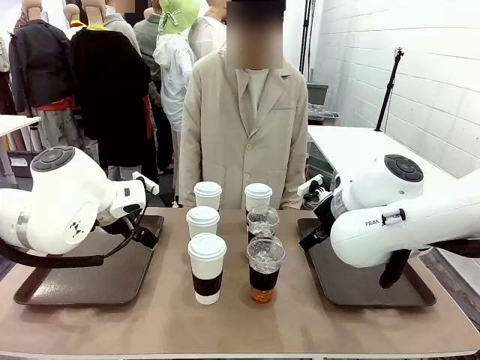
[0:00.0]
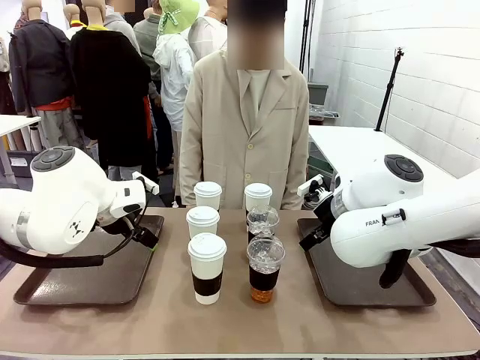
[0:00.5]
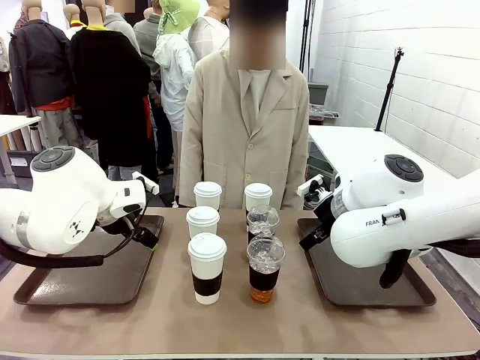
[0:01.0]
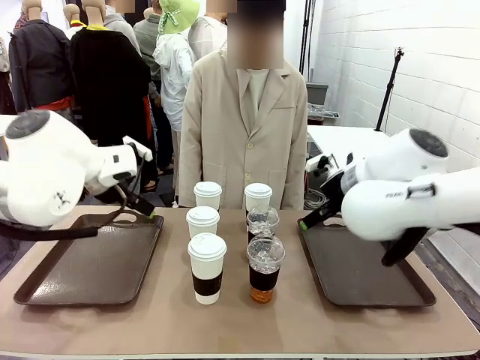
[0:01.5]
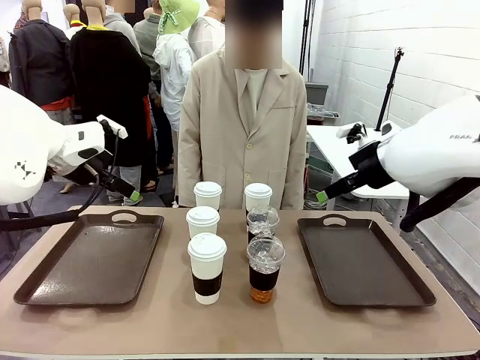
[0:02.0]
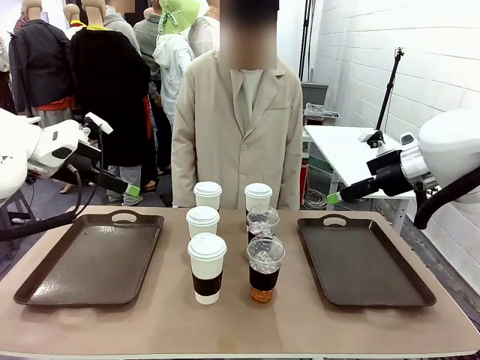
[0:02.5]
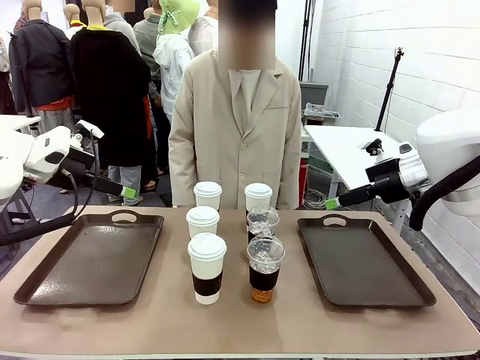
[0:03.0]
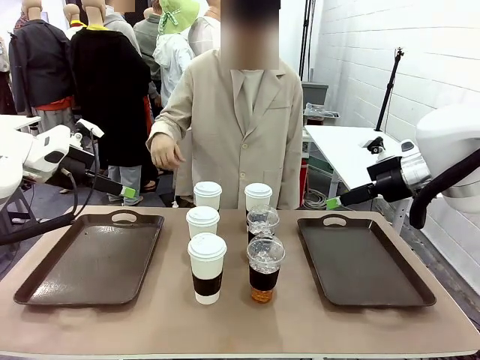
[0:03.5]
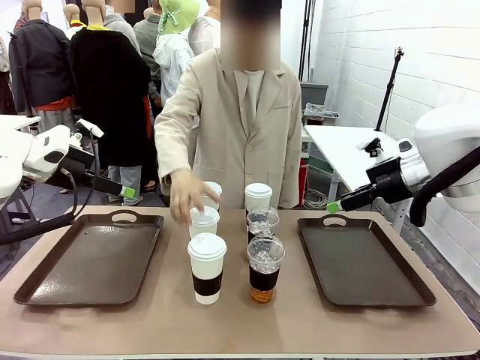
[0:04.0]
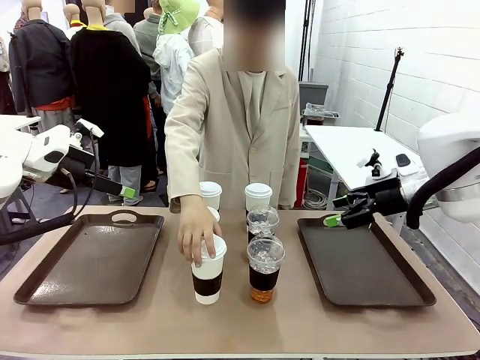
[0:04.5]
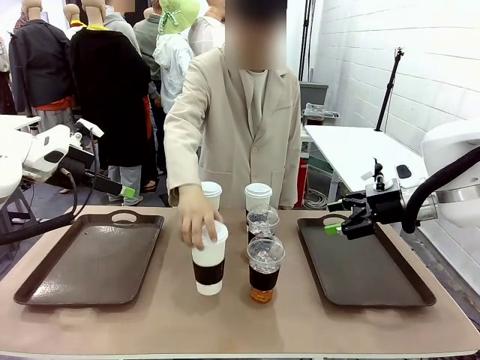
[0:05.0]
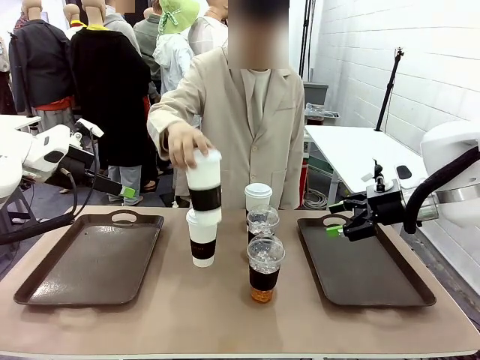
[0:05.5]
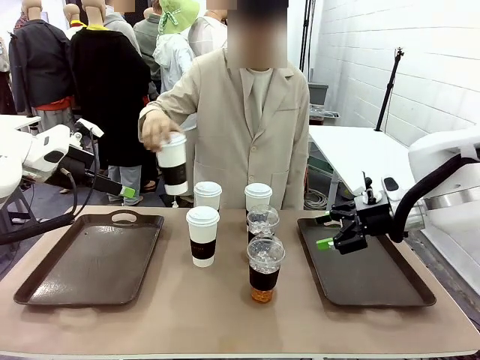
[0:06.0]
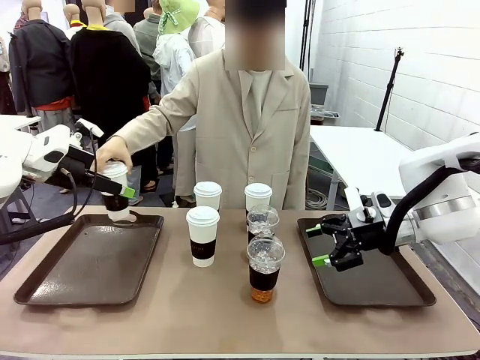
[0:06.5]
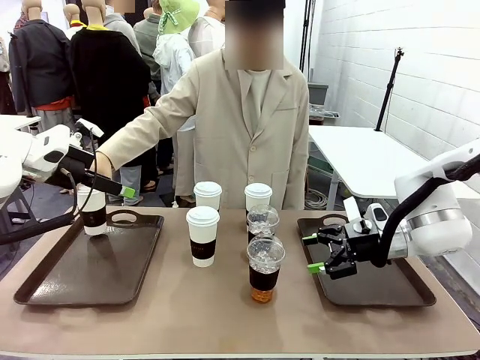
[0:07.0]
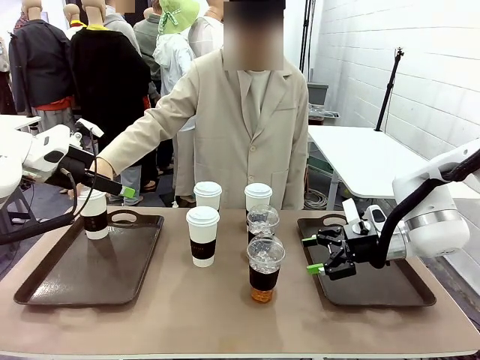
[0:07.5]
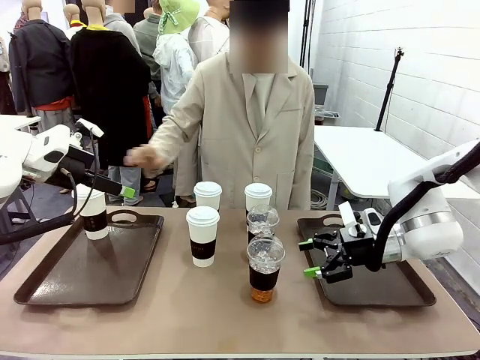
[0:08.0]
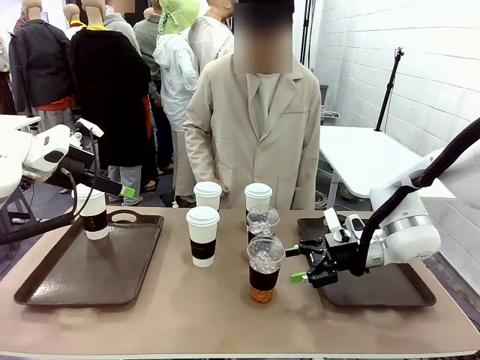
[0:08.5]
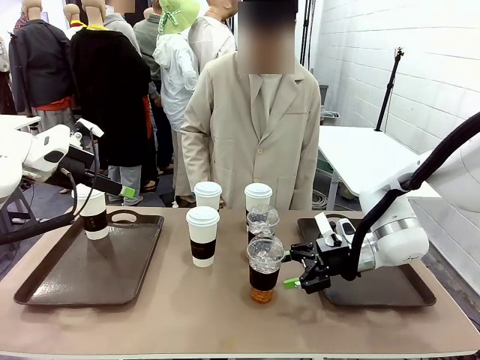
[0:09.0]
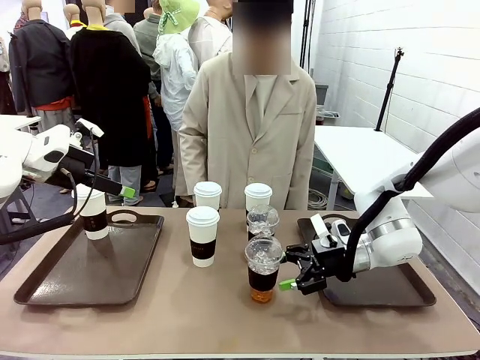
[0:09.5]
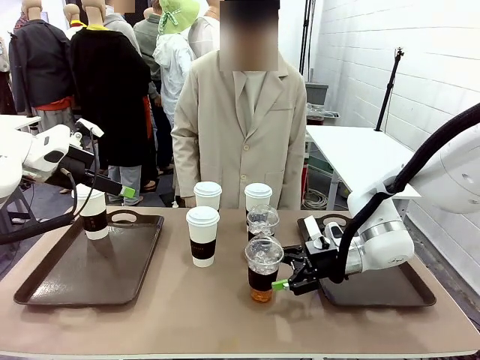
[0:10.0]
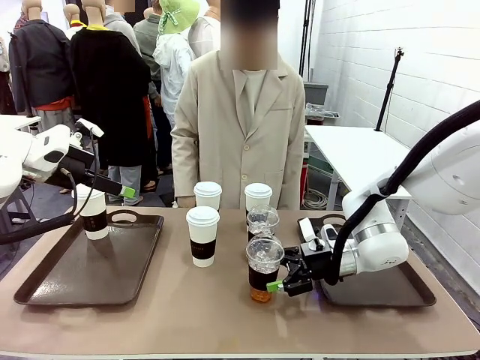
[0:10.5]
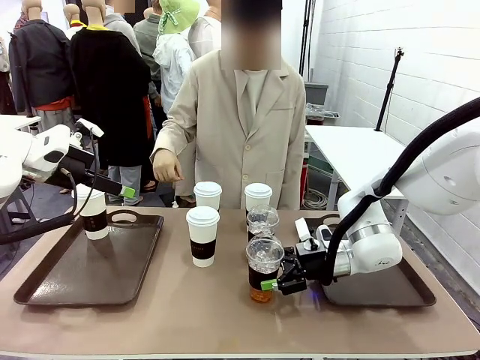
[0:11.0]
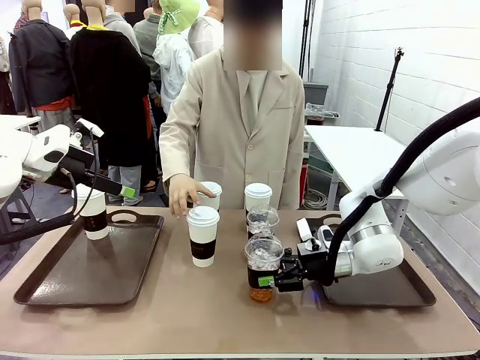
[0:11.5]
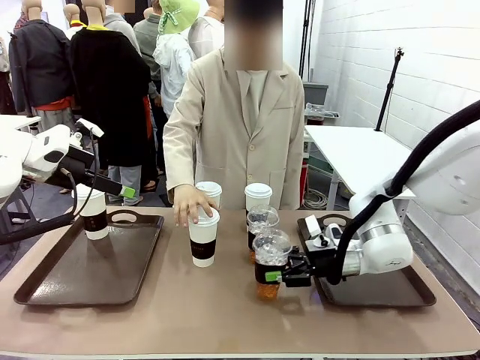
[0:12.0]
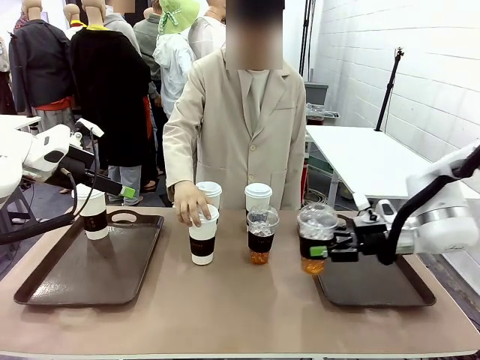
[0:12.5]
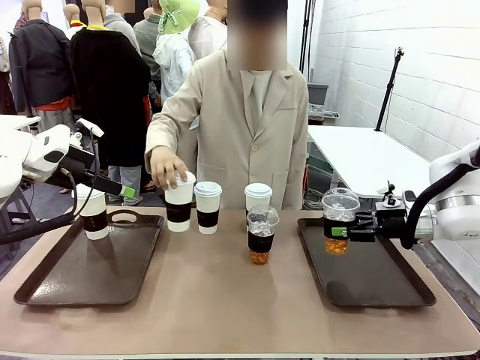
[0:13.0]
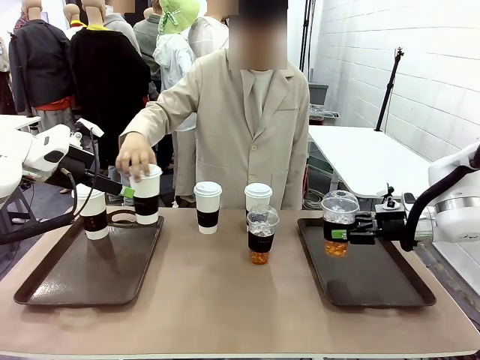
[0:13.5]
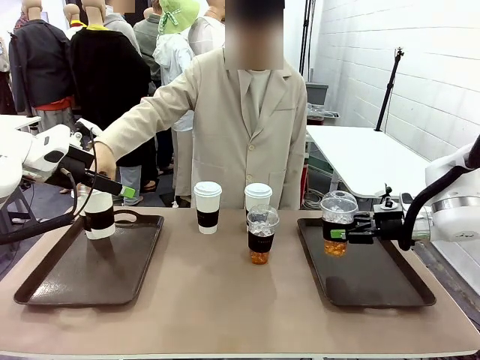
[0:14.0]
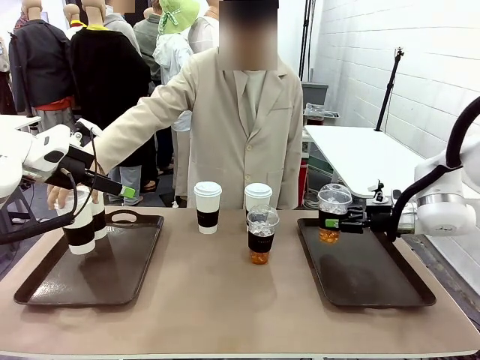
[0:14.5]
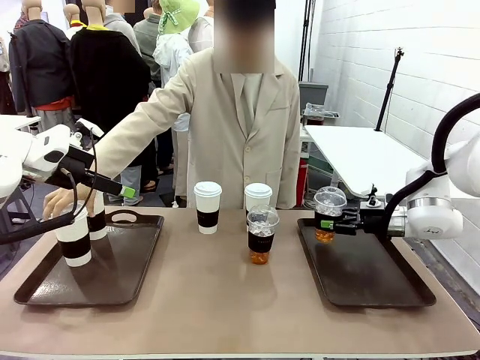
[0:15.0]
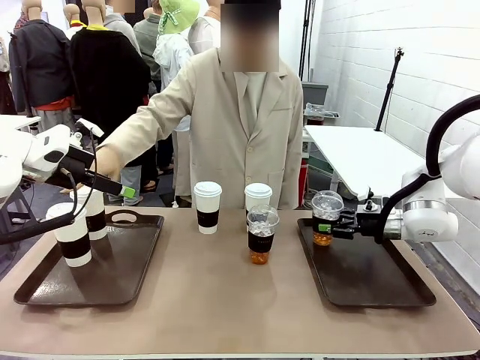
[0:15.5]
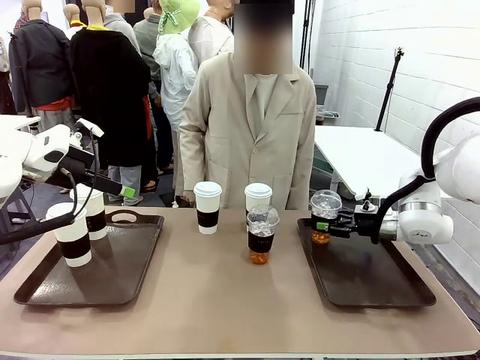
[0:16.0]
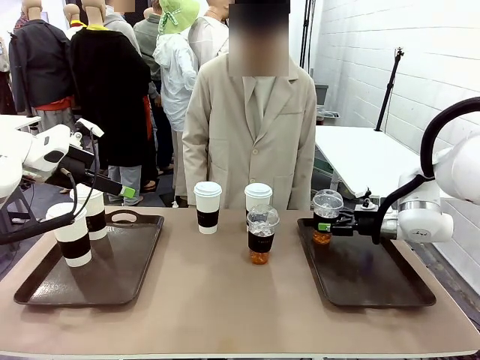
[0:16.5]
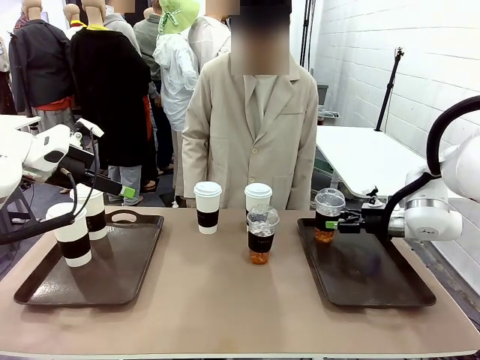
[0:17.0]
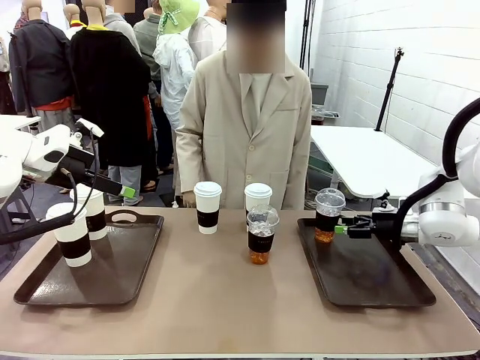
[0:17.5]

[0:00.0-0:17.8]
Task: Distribute the coffee onto the tray.
Robot: Pick up one iced Americano and place it on the right Handle tray.
Person: Pick up a cup of hot Americano and place it on the right tray.
